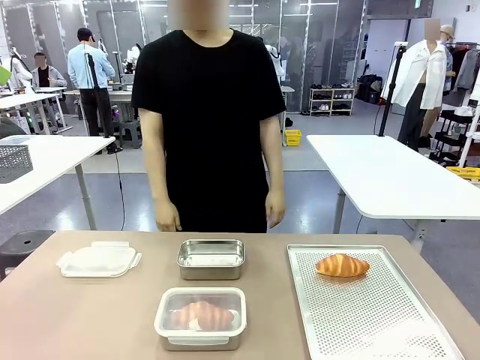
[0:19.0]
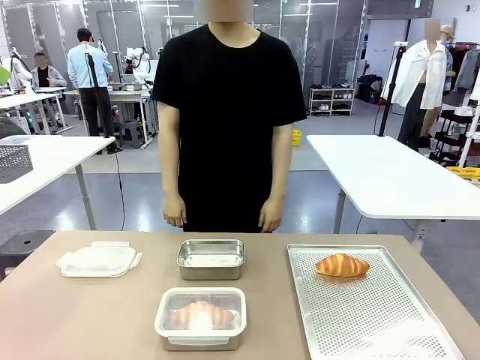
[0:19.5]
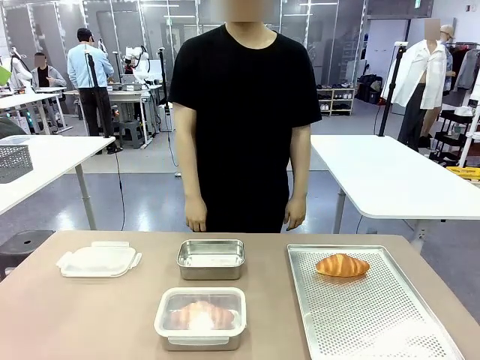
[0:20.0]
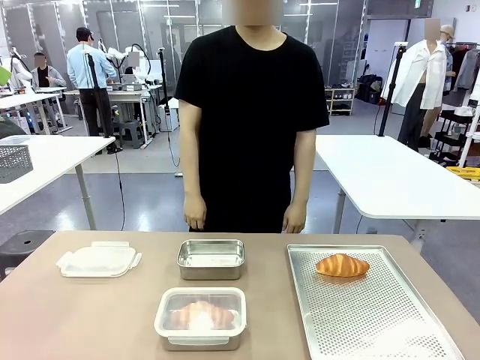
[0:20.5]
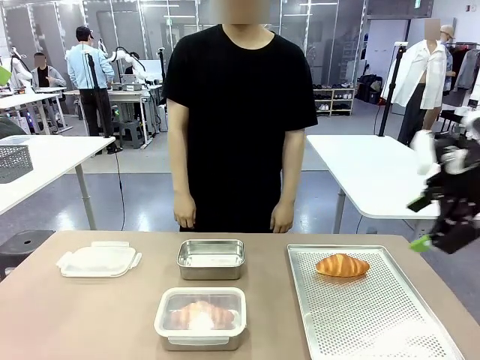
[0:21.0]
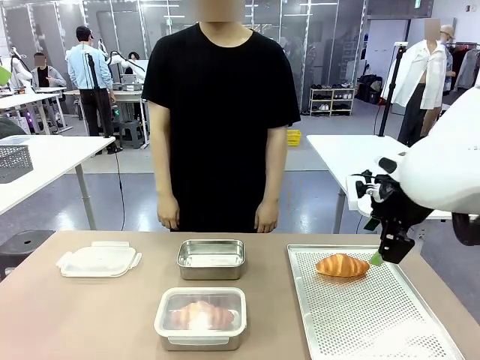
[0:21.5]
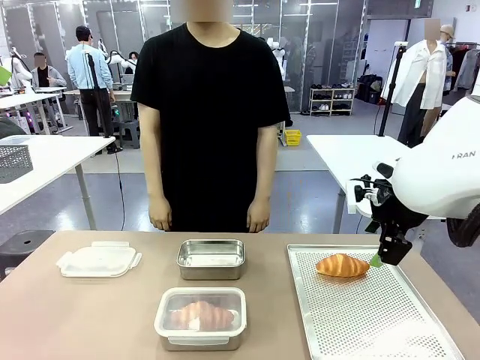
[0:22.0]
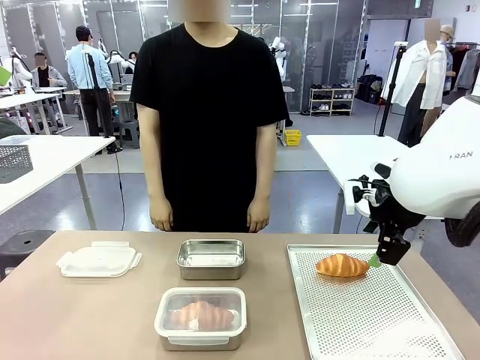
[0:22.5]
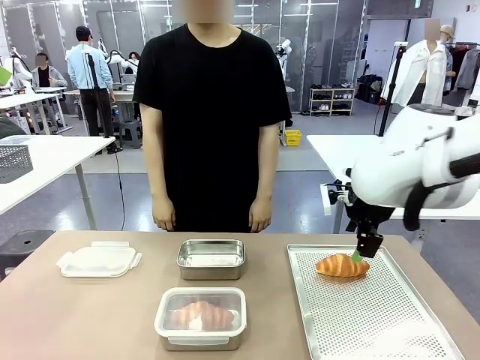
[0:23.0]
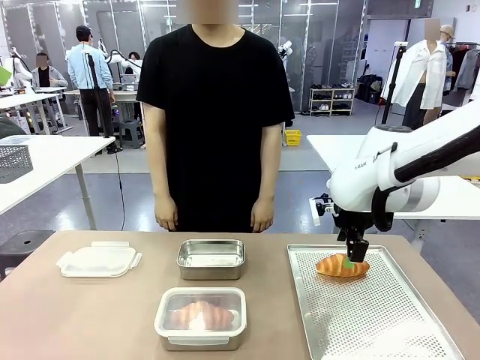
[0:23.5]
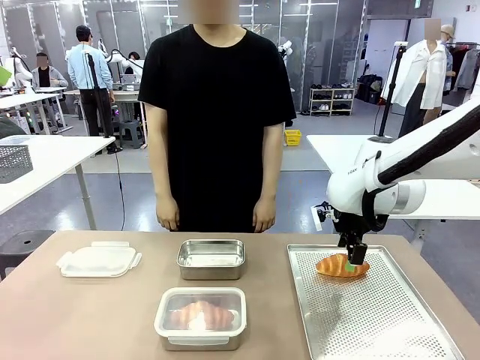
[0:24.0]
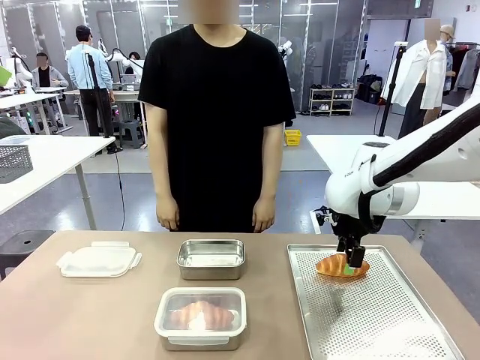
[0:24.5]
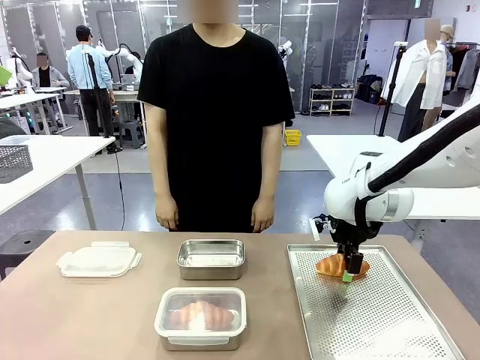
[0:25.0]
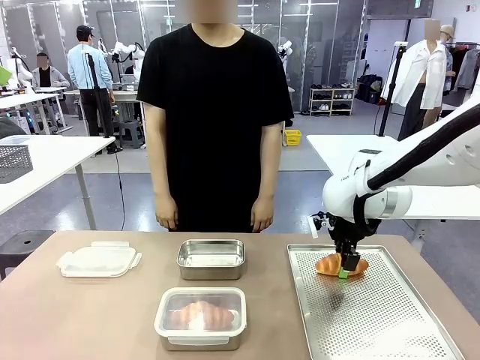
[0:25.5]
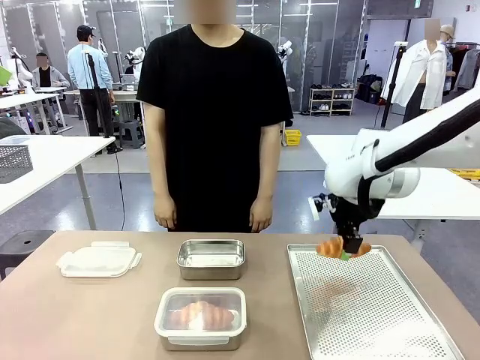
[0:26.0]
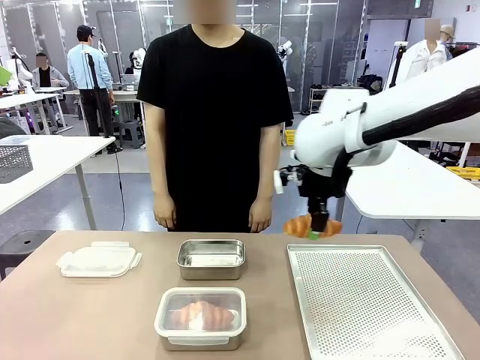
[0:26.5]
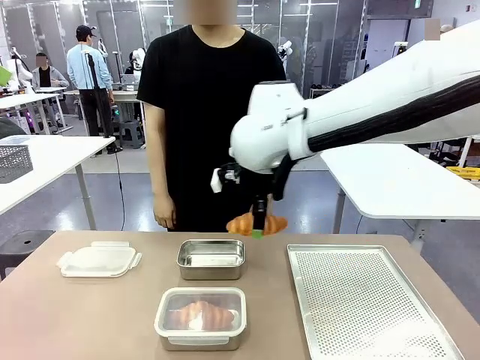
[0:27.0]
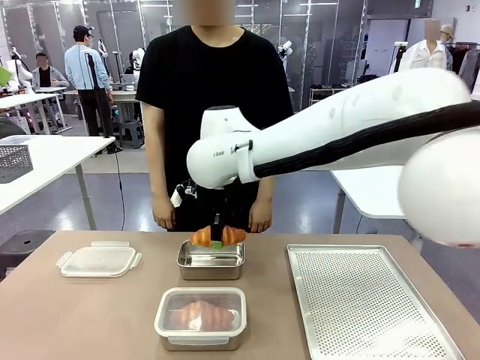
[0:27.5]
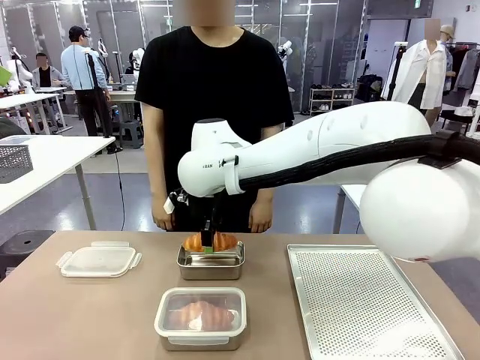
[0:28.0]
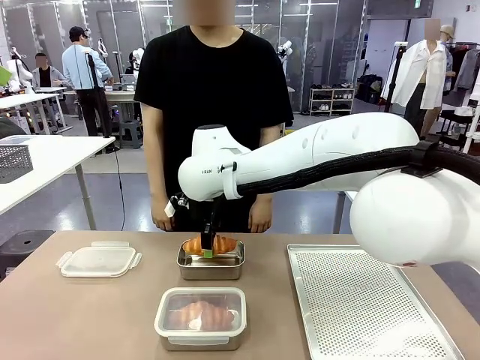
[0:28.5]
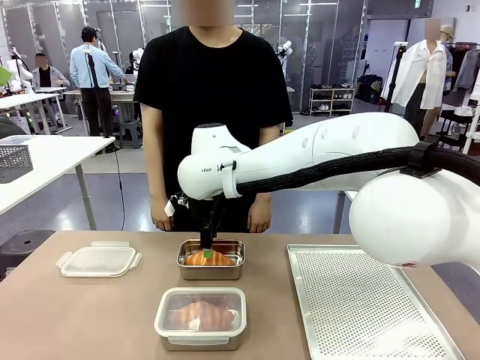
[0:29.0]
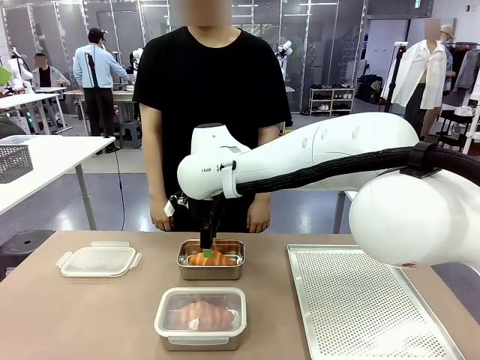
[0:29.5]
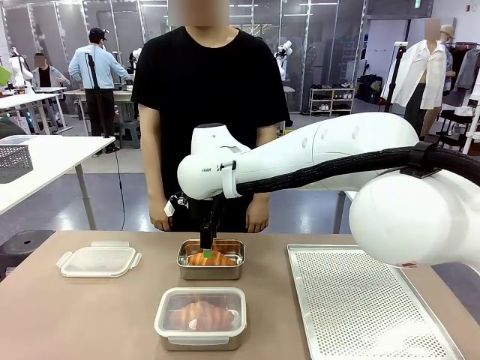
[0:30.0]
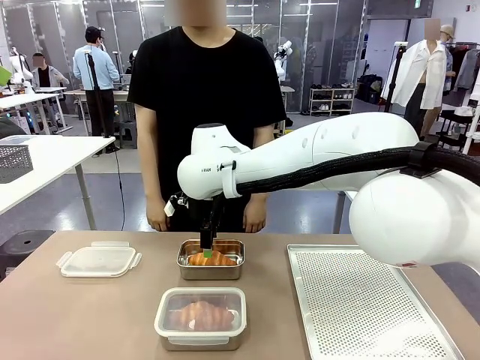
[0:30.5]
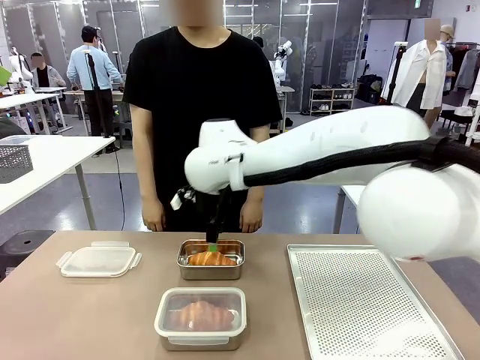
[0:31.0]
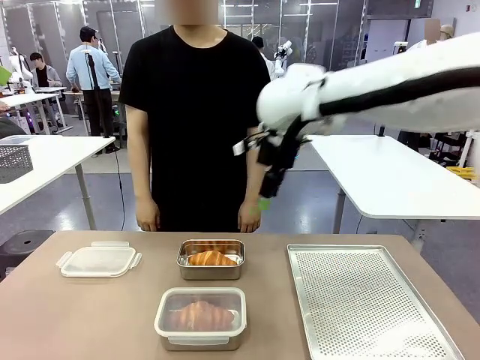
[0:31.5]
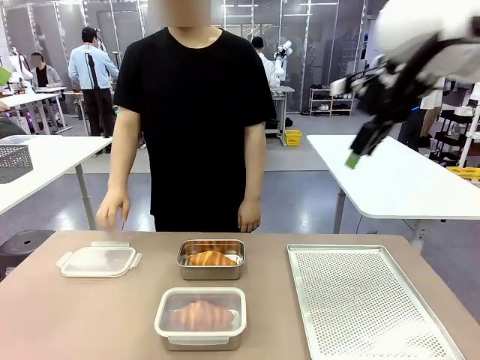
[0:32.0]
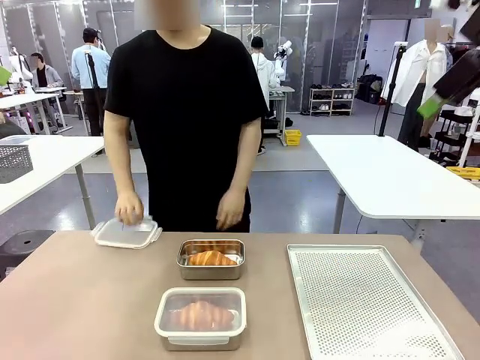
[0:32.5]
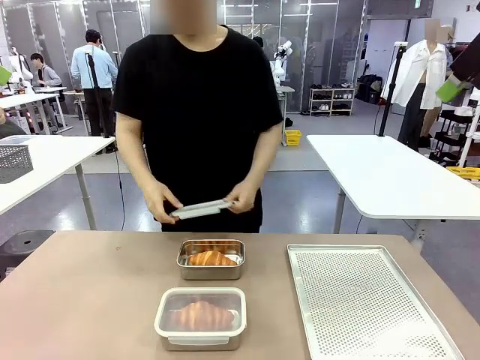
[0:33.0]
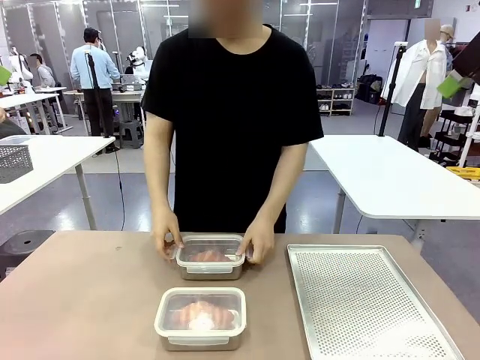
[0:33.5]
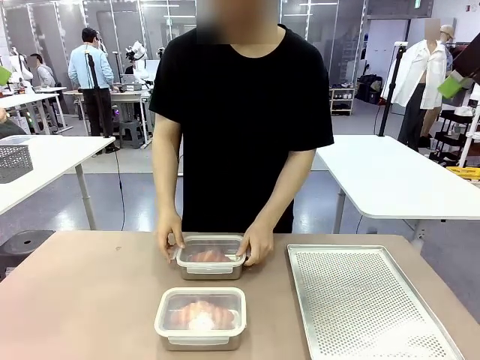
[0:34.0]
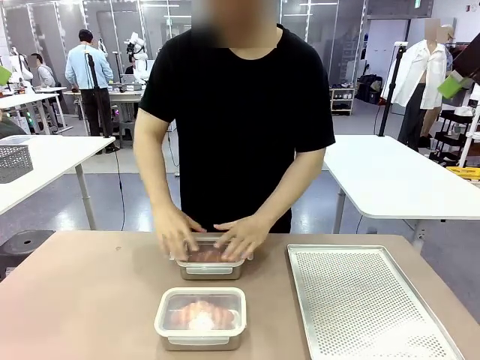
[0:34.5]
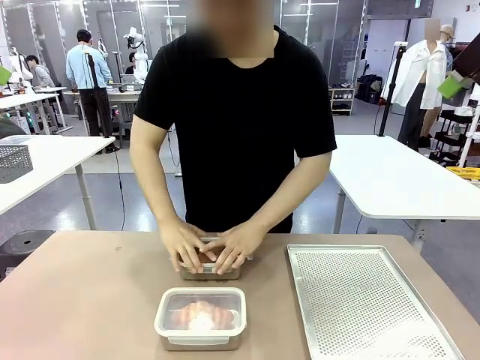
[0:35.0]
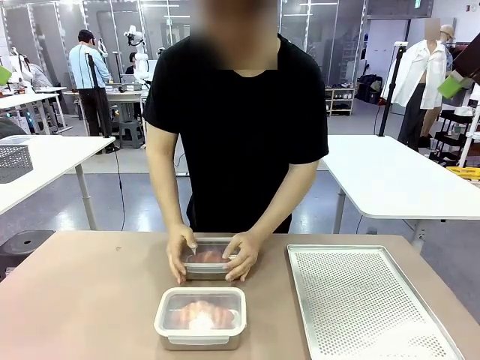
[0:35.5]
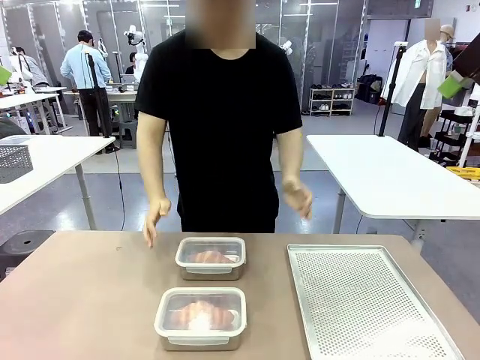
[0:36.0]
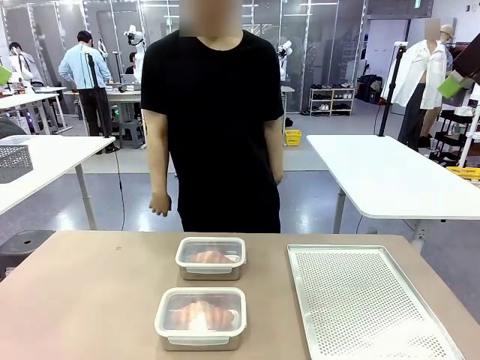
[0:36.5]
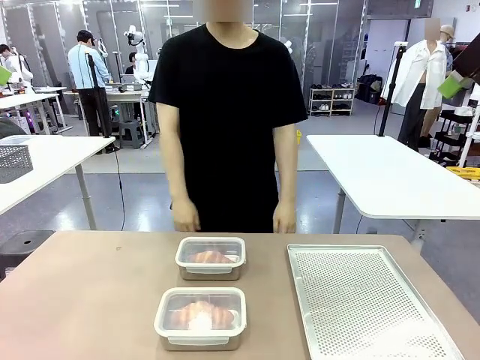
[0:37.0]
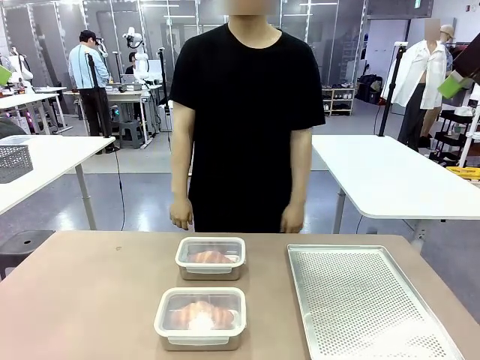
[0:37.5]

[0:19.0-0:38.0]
Task: Place the bread into the airtight container.
Robot: Pick up a Butter Roll and place it into an empty Airtight Container.

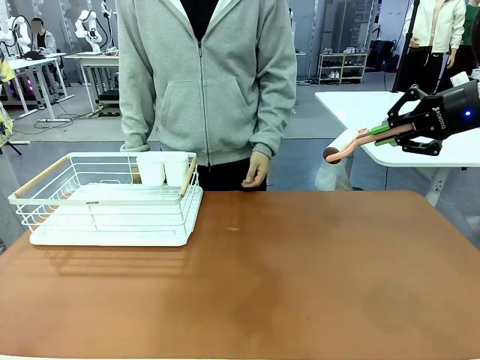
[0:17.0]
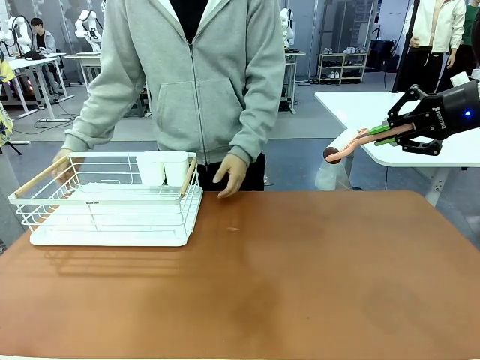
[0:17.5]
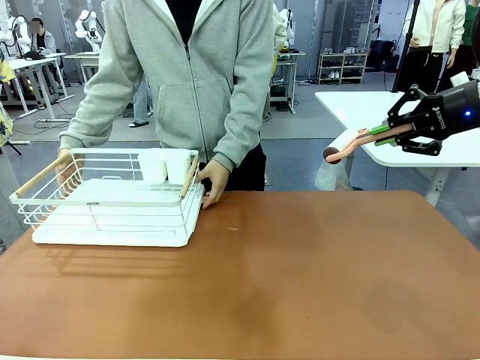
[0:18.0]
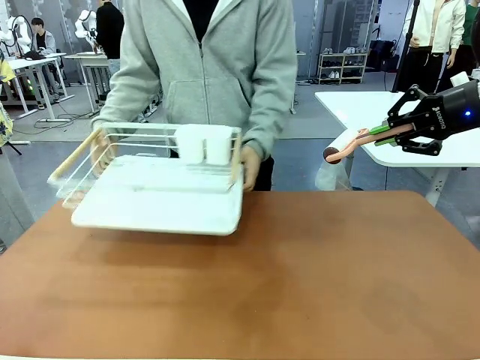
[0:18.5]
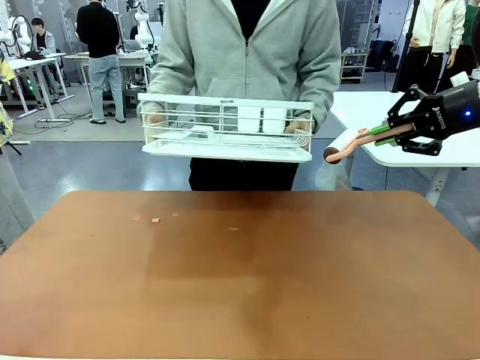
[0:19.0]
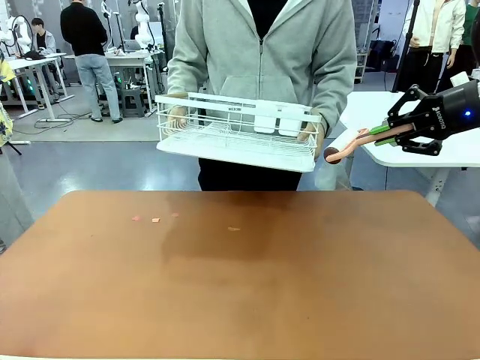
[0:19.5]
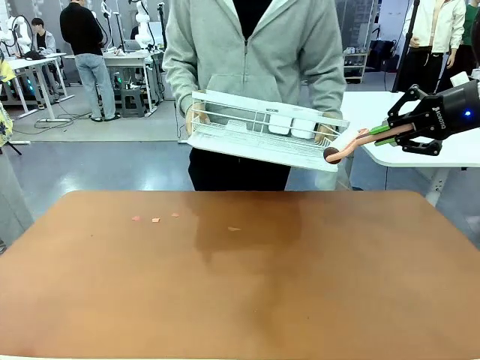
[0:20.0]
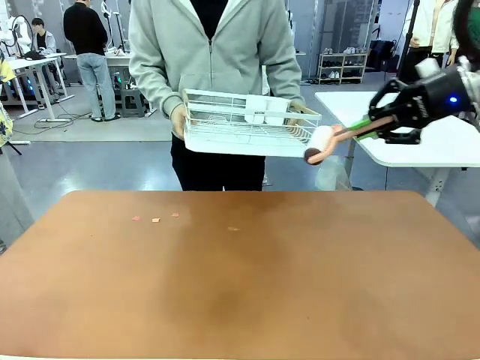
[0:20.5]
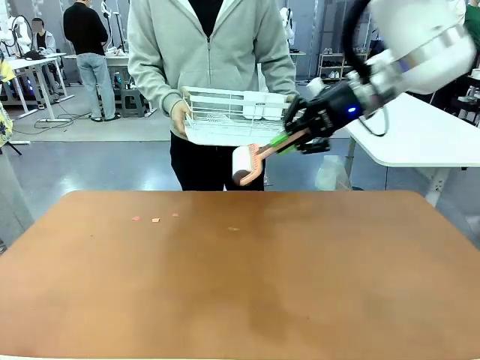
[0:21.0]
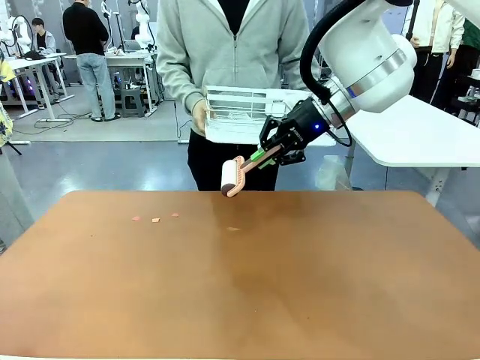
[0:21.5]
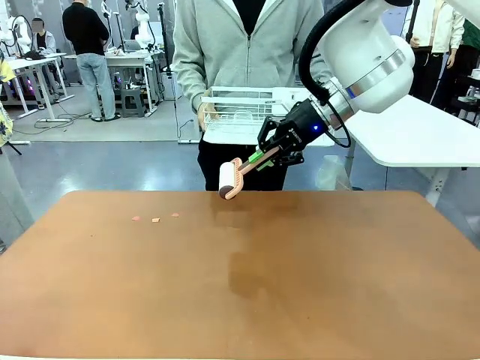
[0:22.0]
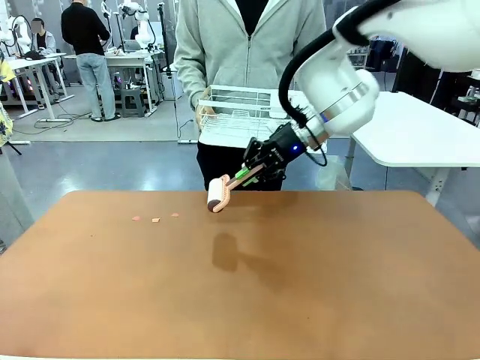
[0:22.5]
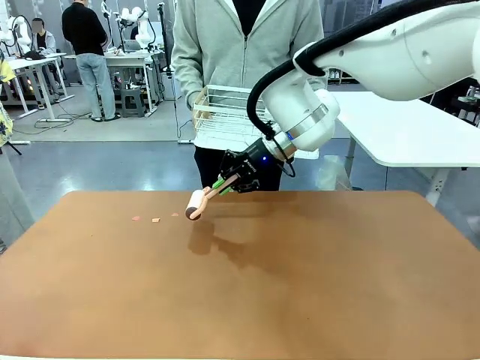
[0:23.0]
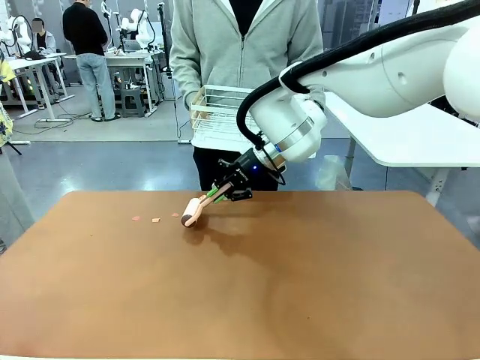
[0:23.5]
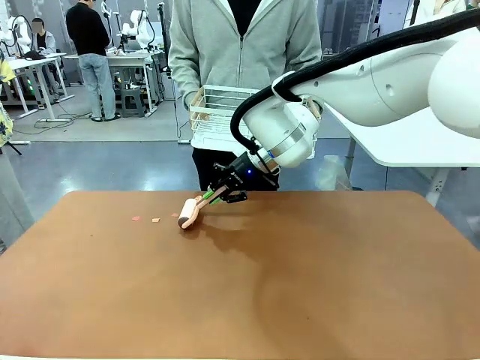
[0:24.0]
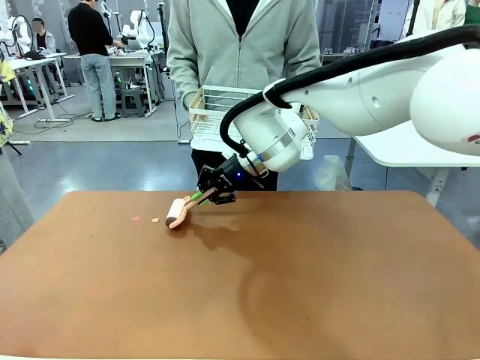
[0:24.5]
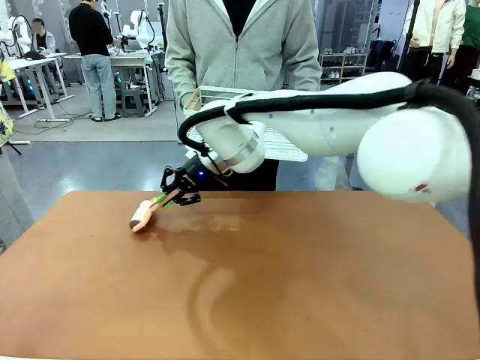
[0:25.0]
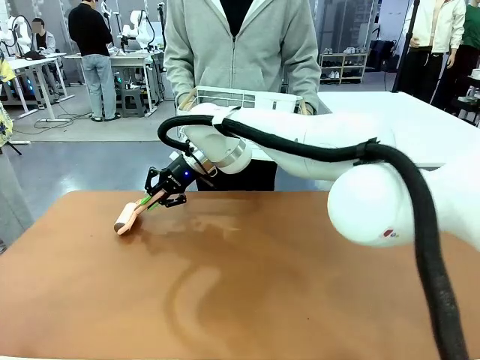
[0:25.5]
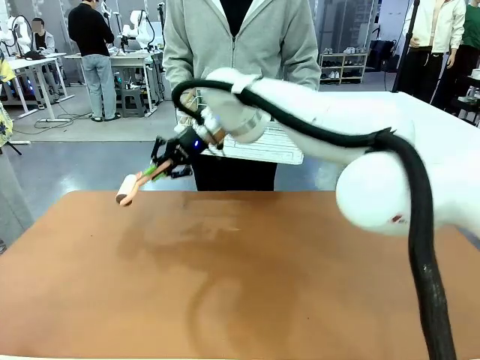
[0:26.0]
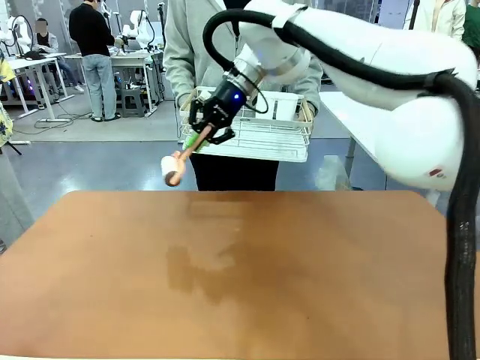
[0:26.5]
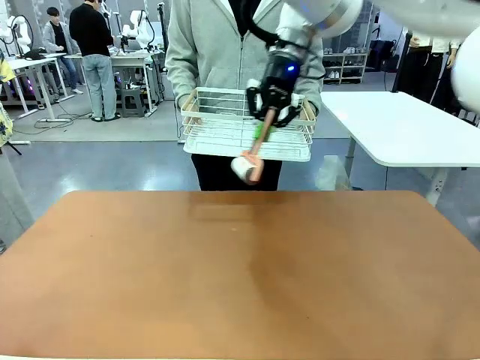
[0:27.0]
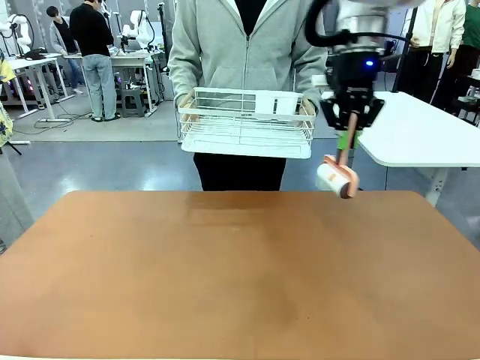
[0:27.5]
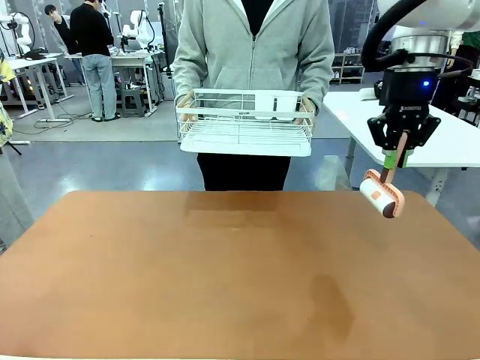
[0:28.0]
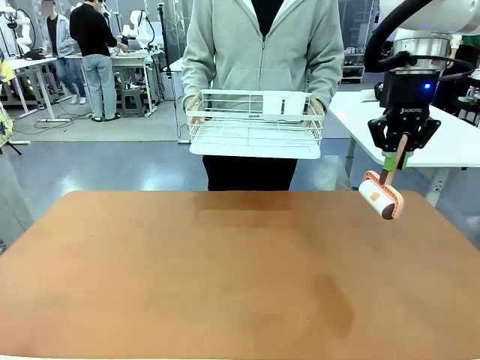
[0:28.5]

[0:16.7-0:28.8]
Task: Clean the table.
Robot: Clean the table with the Lint Roller when the human lifts the Dish drying rack.
Person: Place the Dish drying rack down when the robot finishes cleaning.
